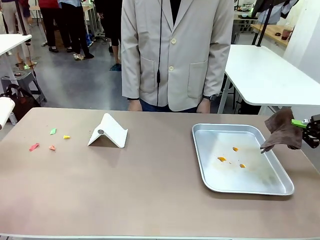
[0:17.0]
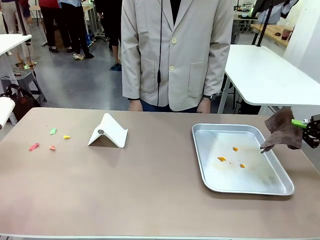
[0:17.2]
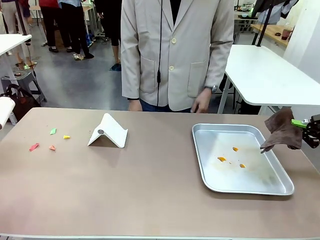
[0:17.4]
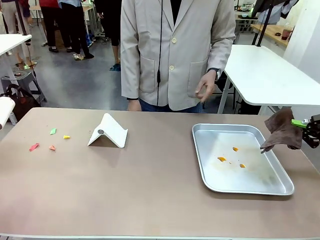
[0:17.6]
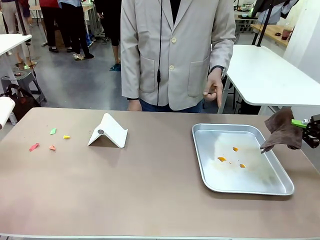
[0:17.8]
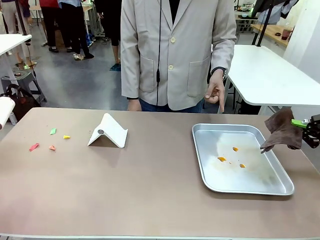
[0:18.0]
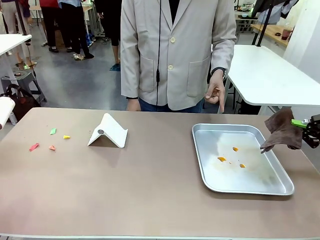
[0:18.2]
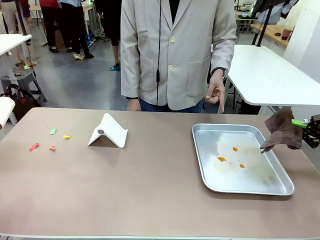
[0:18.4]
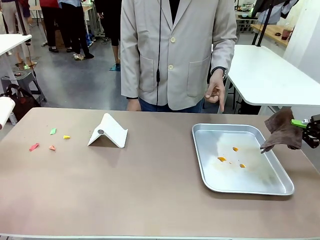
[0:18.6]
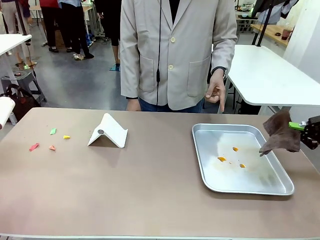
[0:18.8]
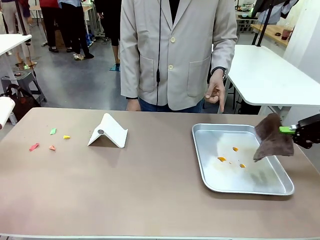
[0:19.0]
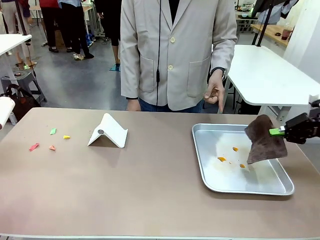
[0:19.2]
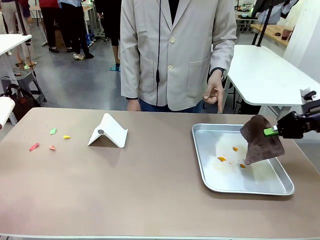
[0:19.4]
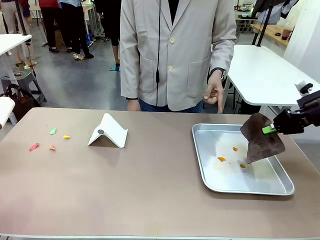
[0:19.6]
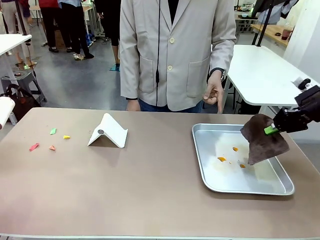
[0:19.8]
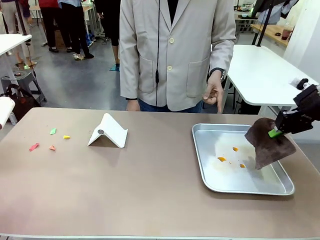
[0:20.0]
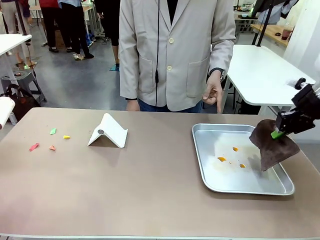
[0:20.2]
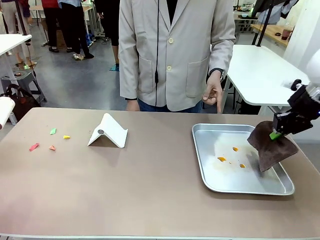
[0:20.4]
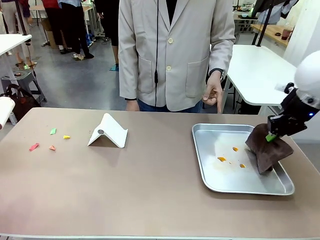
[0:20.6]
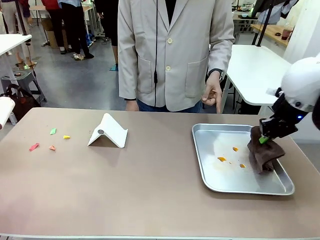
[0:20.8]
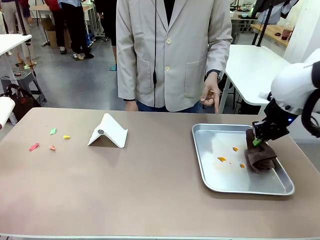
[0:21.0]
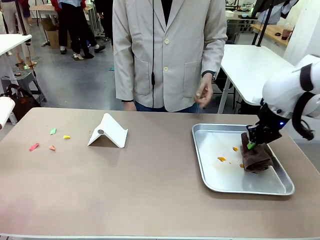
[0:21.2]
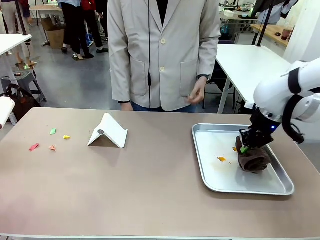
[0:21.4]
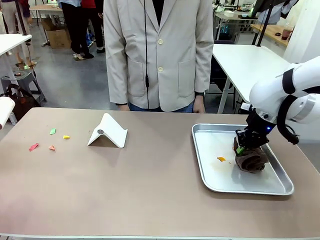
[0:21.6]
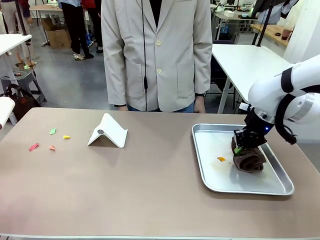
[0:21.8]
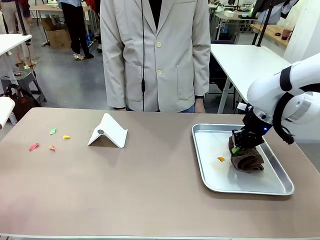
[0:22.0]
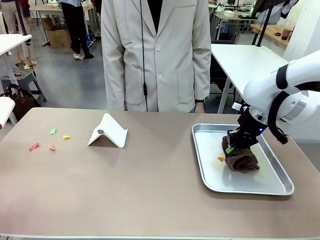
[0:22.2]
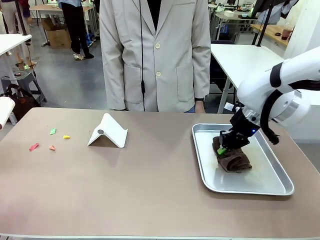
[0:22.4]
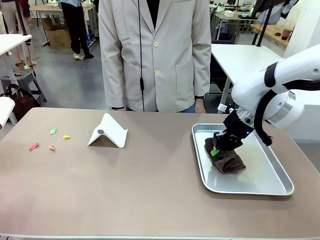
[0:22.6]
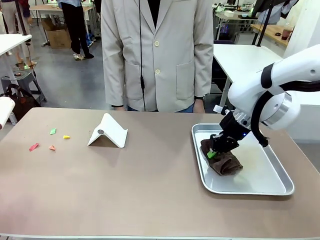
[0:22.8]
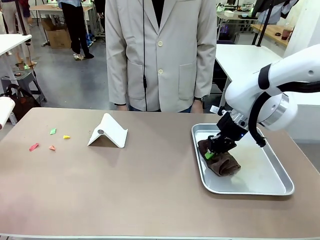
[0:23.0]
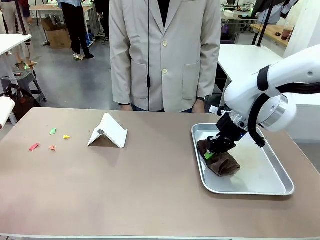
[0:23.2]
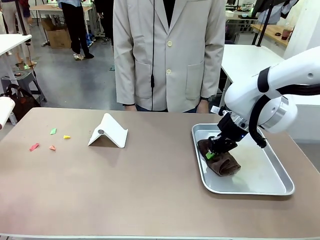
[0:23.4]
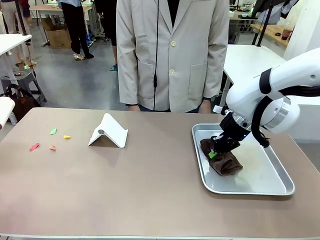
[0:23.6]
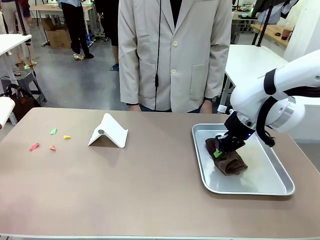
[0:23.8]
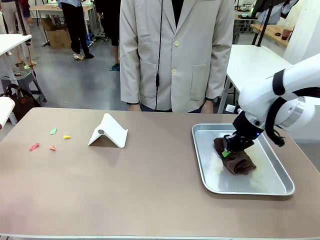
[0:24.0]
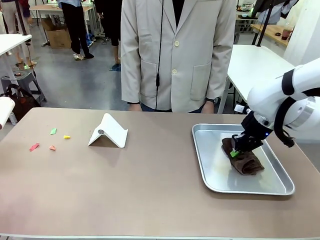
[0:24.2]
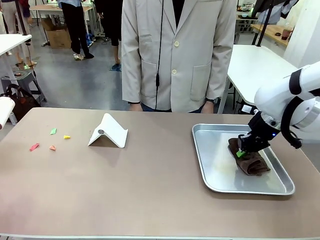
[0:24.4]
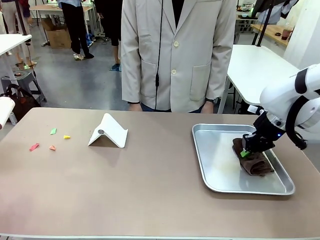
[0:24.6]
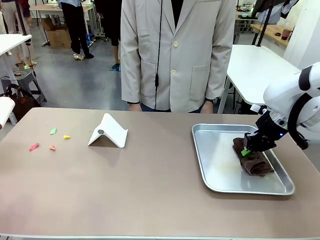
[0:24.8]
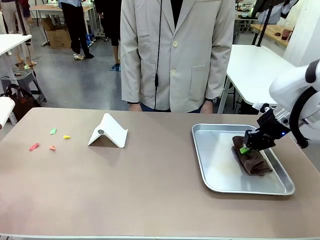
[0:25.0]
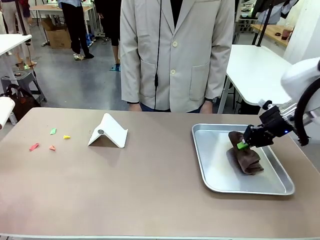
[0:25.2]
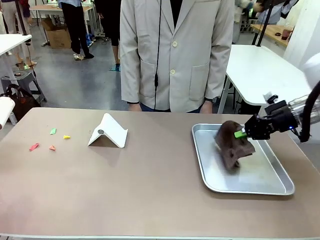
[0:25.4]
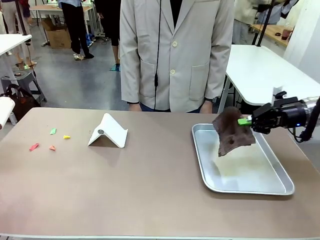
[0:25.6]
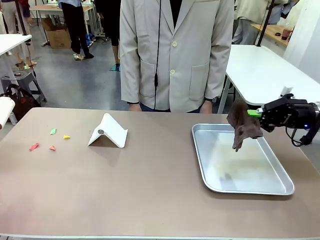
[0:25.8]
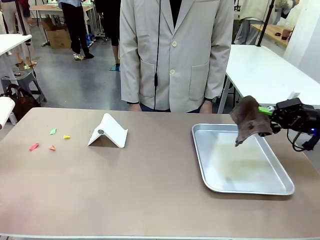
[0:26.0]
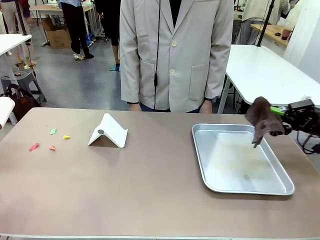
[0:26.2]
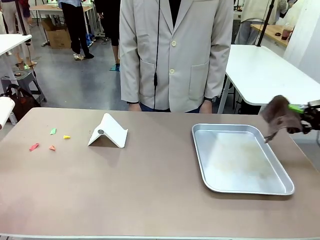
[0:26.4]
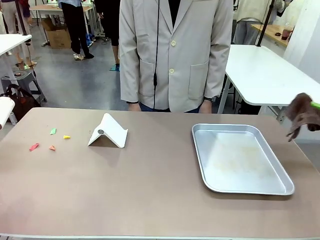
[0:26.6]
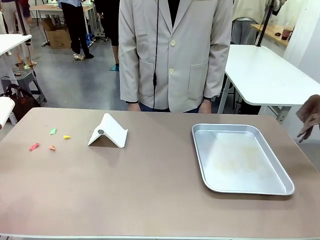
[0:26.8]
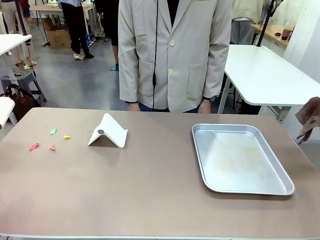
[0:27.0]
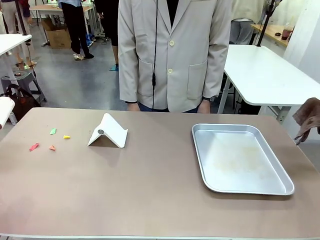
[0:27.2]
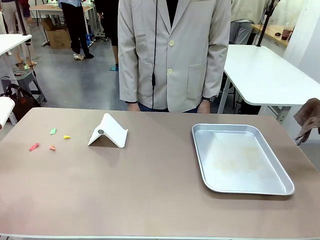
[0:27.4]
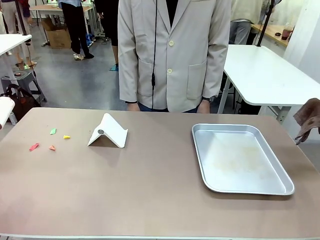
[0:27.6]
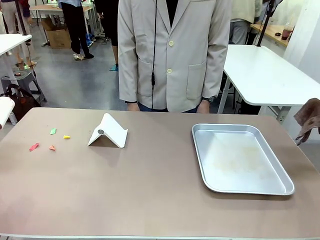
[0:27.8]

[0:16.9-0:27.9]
Task: Clean the surface of the table.
Robot: If a person points to the right, clean the right side of the table with your right hand, and if they point to the left, clean the left side with your left hand.

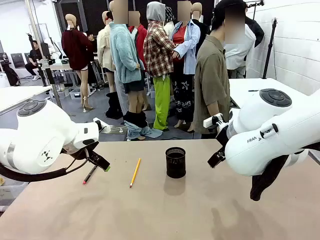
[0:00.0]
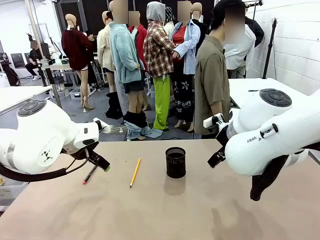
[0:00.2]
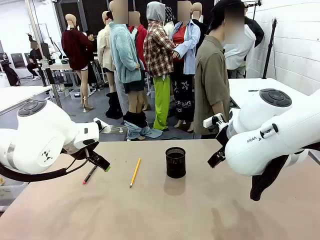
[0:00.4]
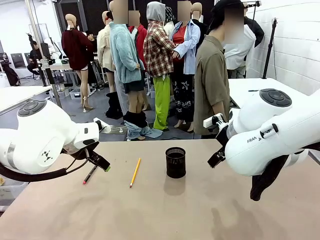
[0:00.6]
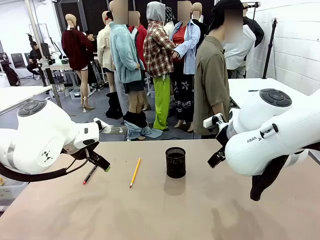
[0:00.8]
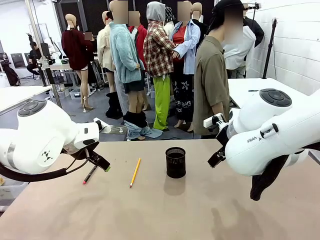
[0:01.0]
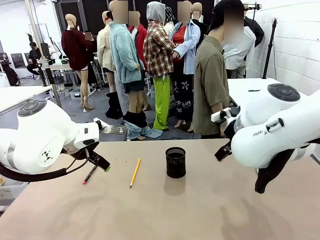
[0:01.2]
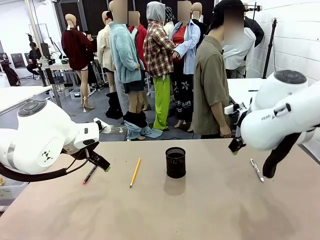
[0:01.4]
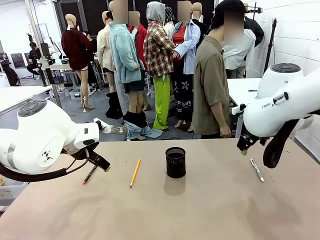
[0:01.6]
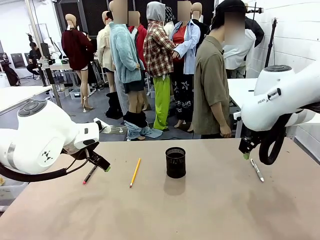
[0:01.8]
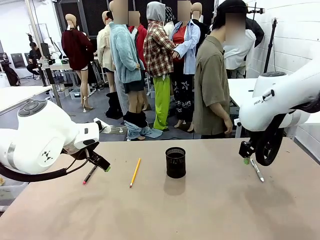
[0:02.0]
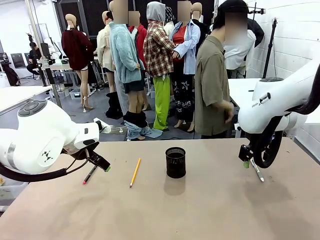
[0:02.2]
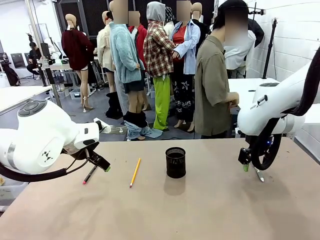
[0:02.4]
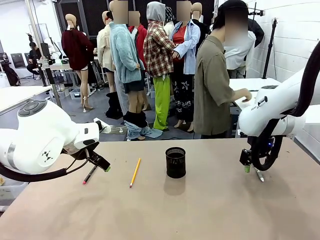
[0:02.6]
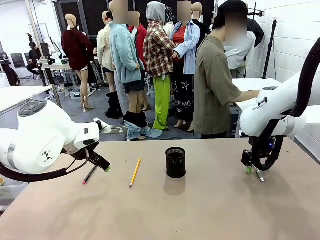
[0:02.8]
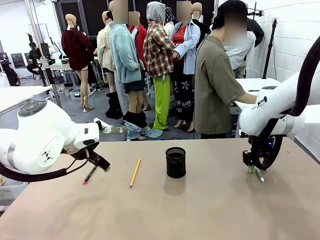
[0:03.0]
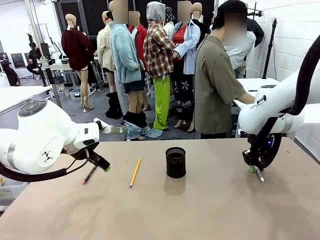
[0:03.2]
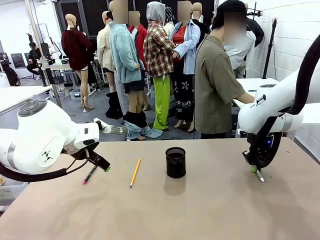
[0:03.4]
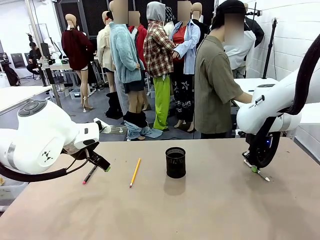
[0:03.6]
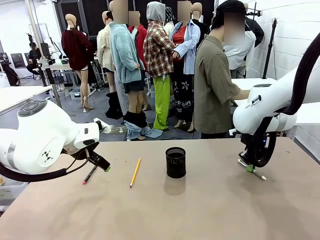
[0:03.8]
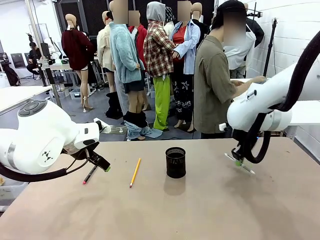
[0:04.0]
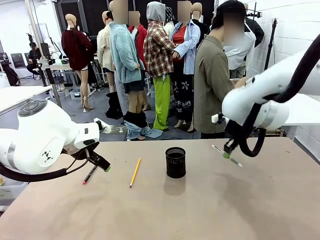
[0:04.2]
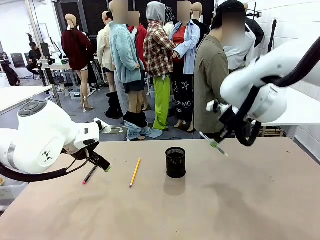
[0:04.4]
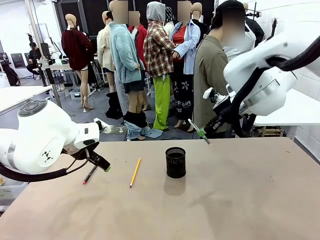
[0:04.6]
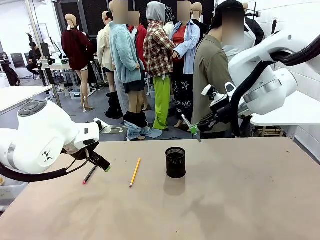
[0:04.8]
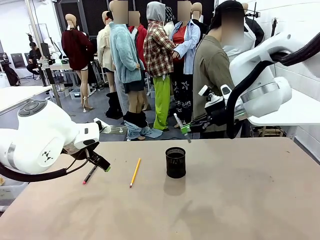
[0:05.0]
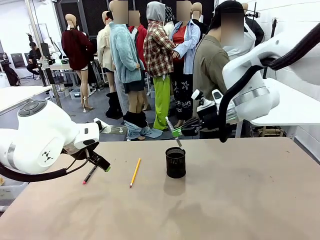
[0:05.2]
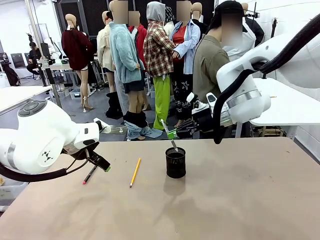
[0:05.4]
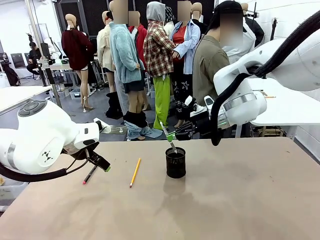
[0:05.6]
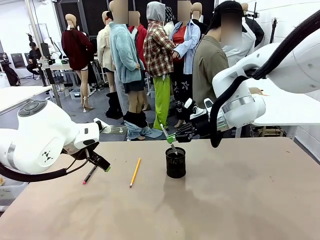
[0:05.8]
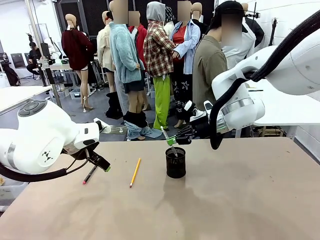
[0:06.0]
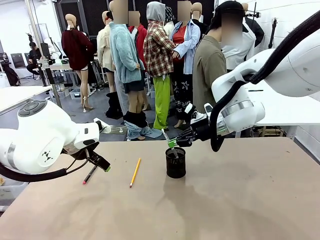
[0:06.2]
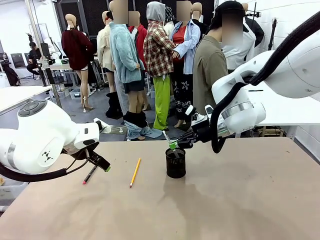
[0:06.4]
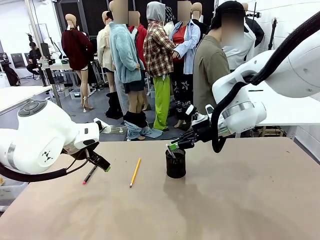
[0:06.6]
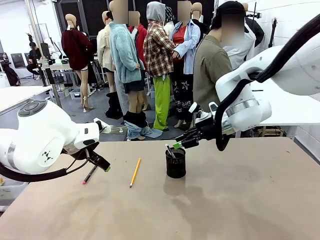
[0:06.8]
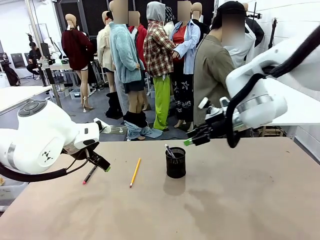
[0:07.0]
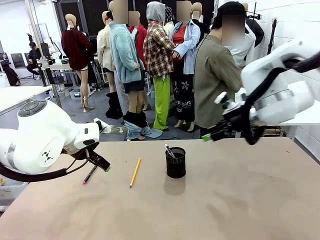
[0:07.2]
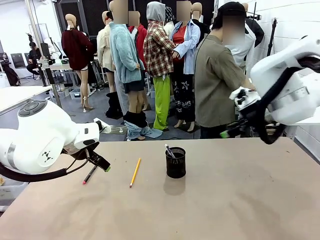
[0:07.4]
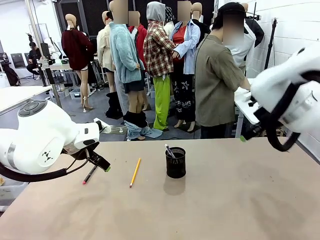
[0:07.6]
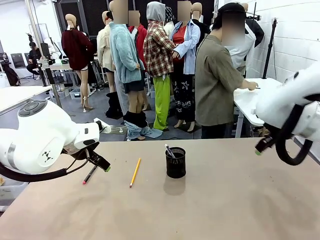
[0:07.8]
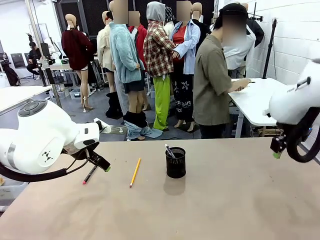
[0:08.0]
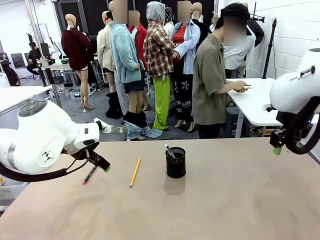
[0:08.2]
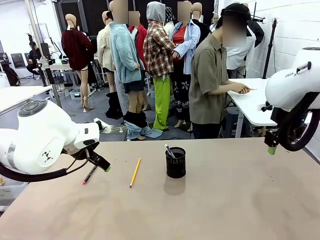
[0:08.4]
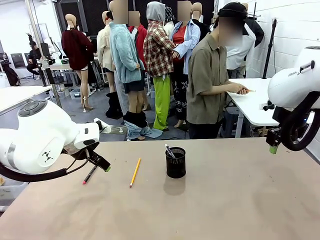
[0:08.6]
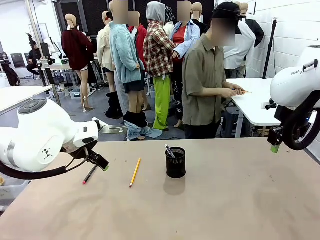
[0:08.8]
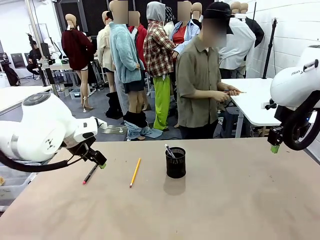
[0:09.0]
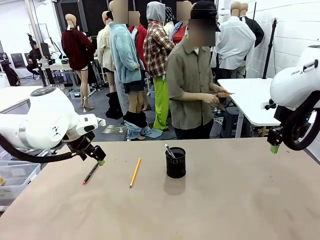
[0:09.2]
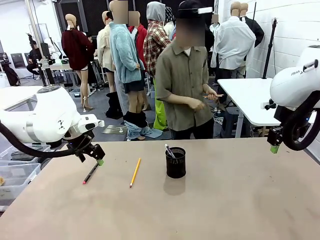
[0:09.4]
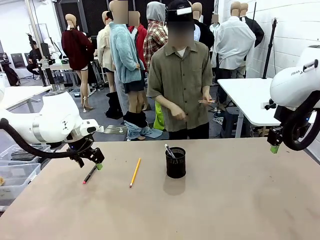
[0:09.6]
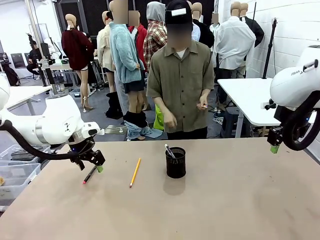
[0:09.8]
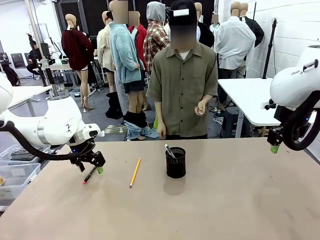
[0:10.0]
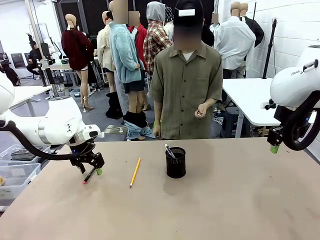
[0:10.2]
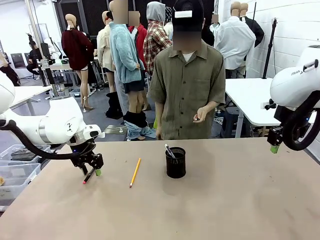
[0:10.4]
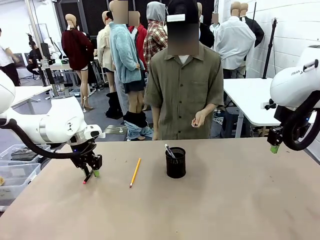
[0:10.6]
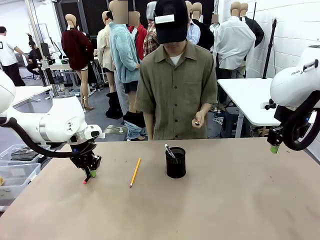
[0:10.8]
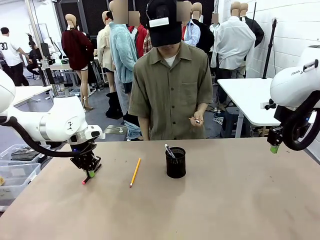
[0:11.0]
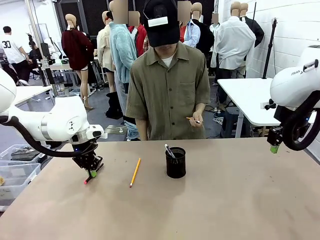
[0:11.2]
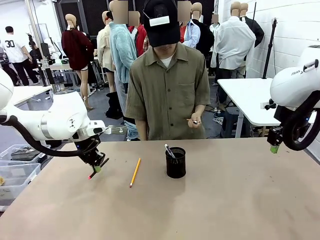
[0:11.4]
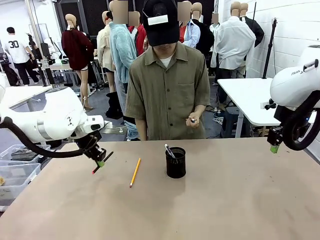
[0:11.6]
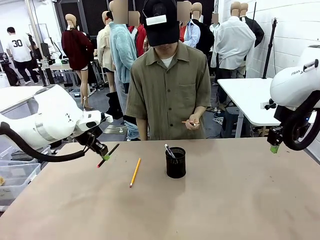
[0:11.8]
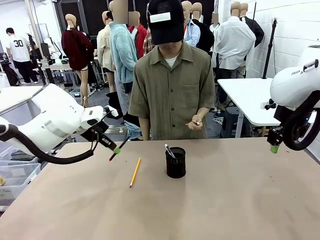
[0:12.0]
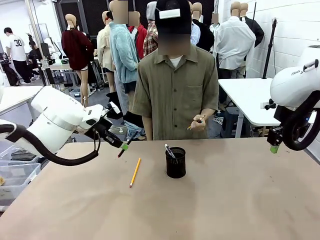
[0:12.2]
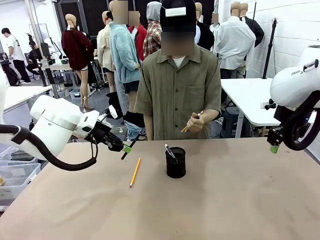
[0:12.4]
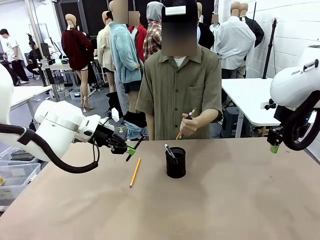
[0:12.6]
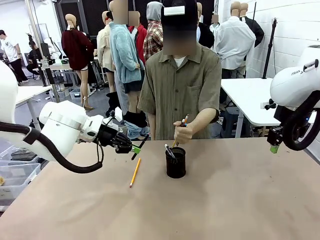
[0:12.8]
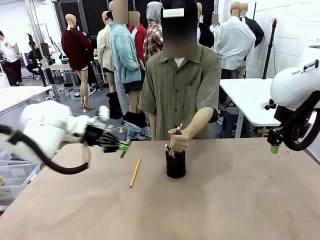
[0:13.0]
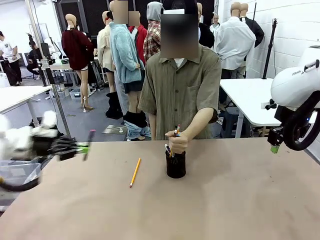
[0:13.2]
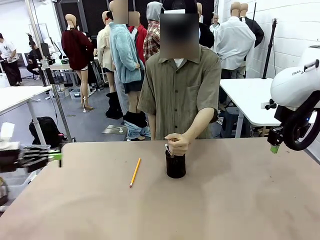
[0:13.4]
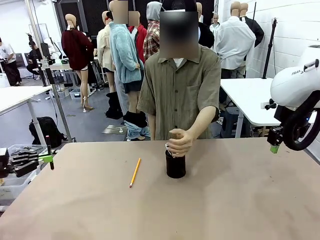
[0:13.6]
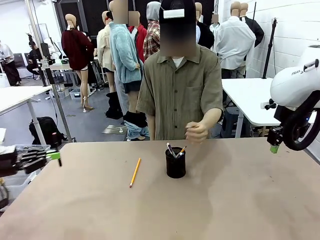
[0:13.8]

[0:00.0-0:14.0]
Task: Place the pens into the pen holder.
Robot: Pick up a writing instrument from the table and place it into the Pen holder.
Person: Pick up all writing instruments from the Human table.
